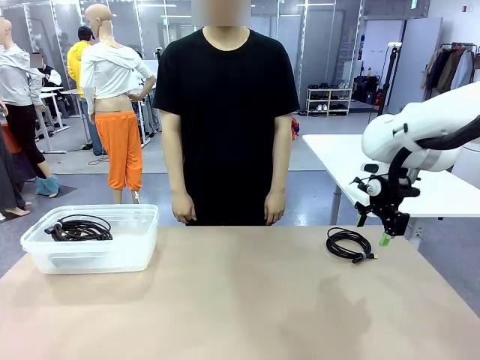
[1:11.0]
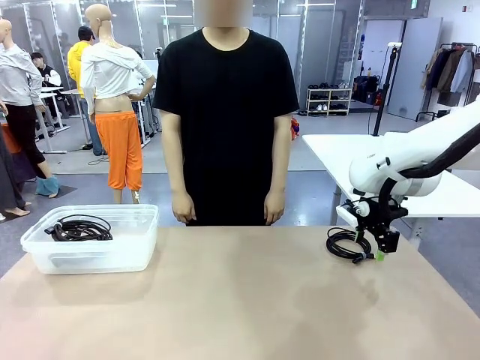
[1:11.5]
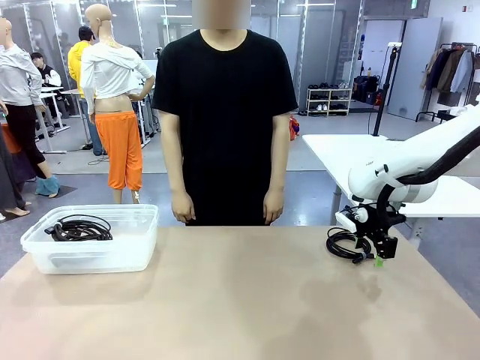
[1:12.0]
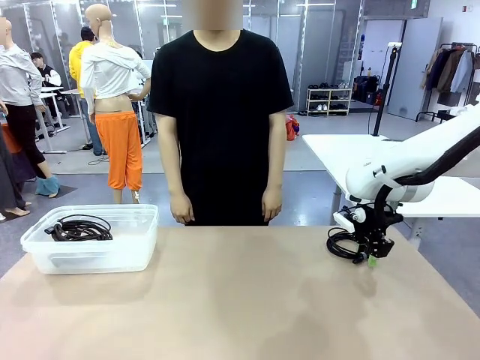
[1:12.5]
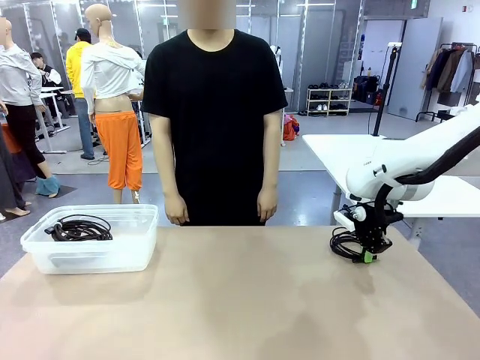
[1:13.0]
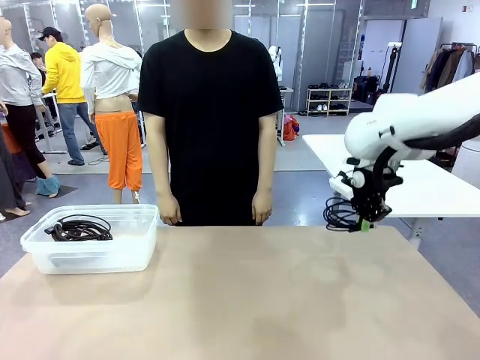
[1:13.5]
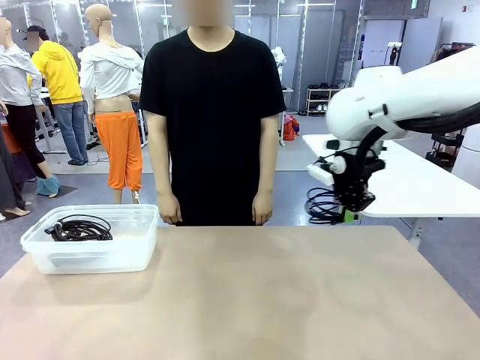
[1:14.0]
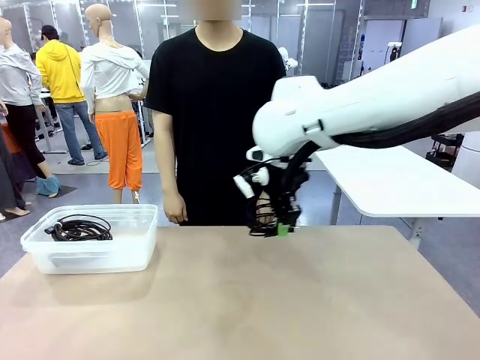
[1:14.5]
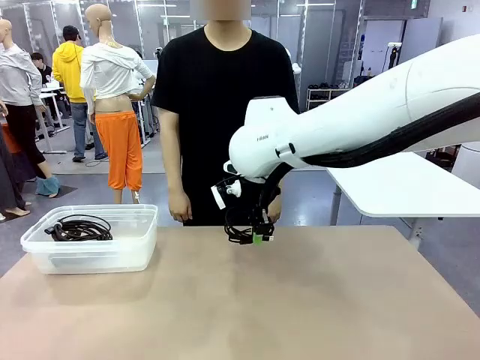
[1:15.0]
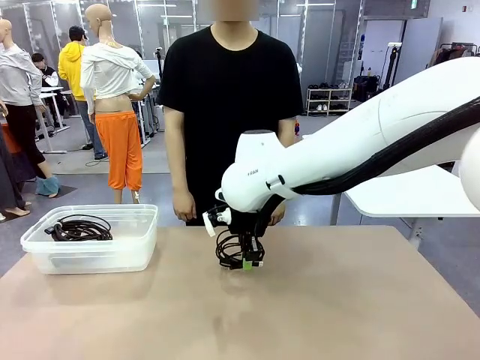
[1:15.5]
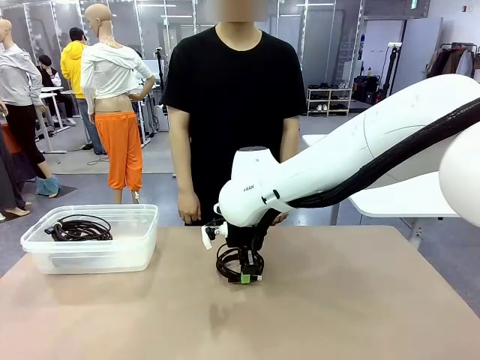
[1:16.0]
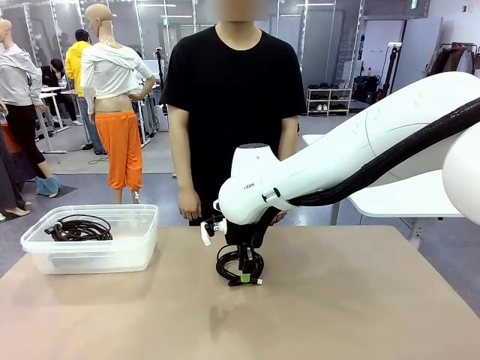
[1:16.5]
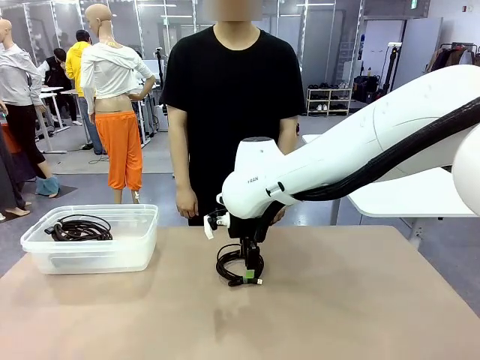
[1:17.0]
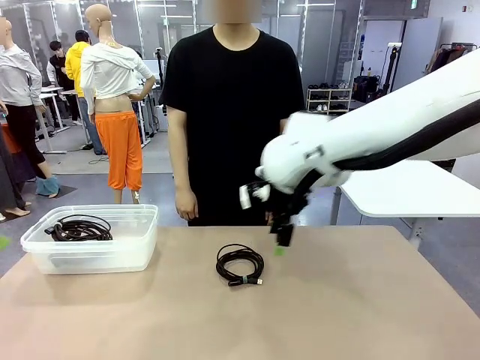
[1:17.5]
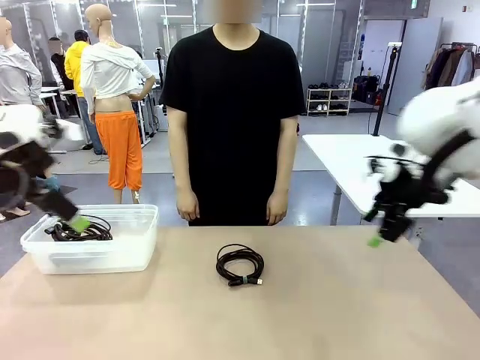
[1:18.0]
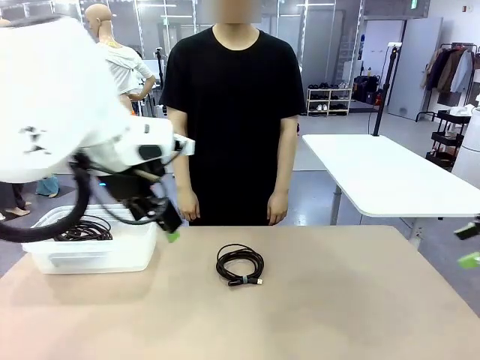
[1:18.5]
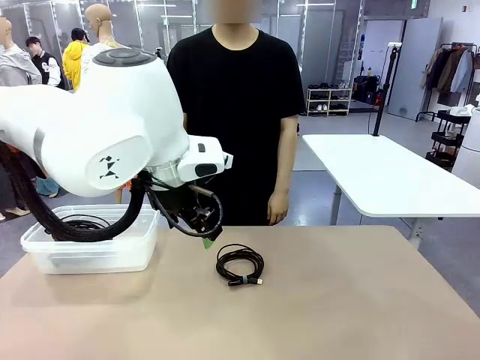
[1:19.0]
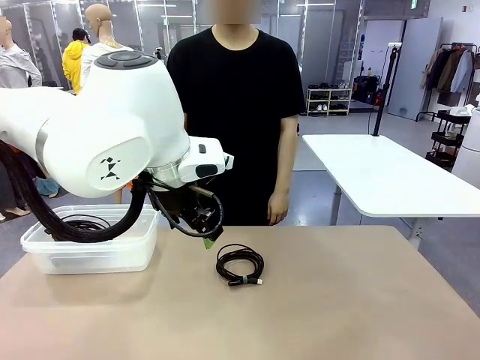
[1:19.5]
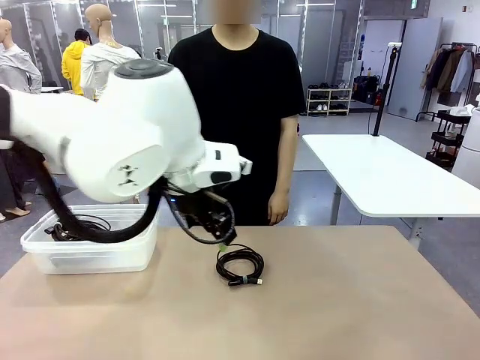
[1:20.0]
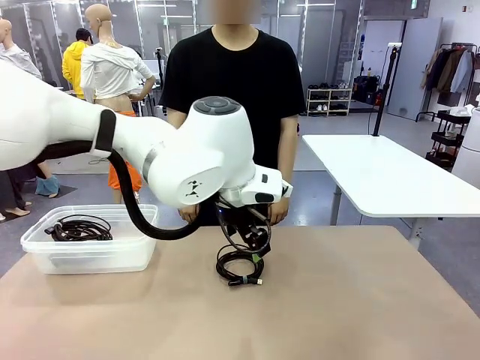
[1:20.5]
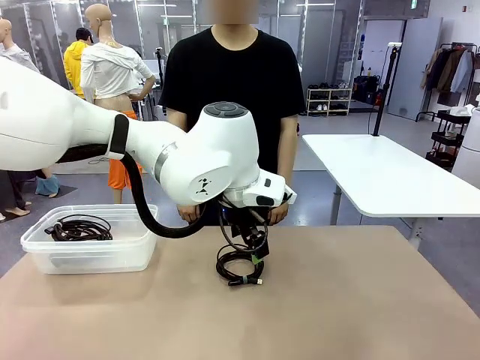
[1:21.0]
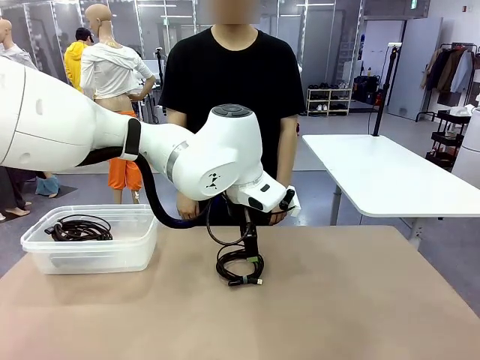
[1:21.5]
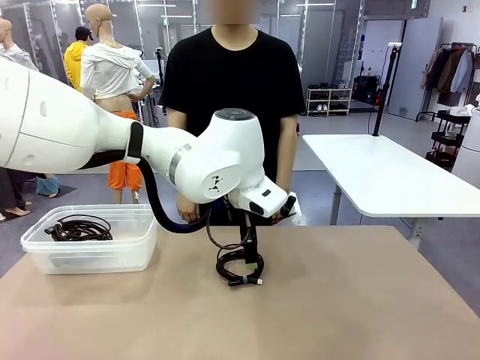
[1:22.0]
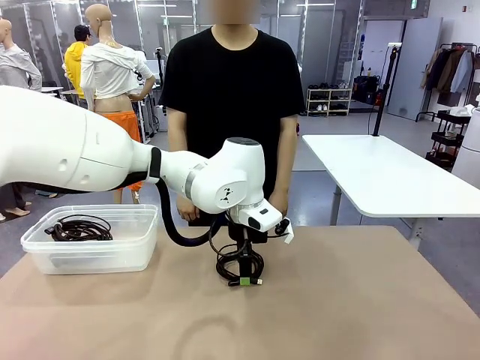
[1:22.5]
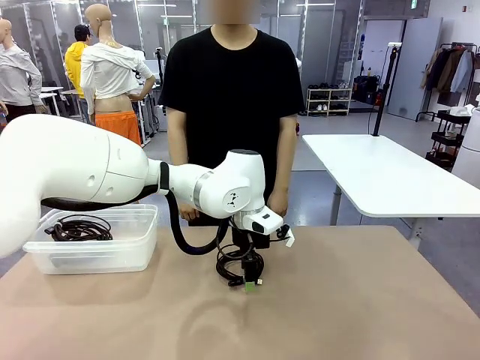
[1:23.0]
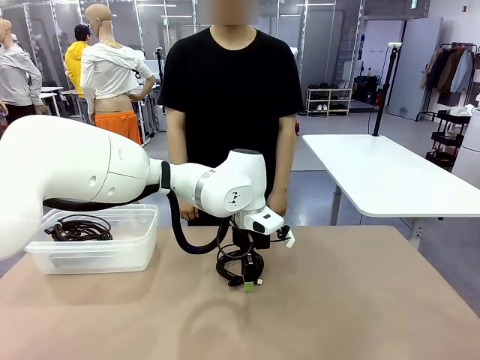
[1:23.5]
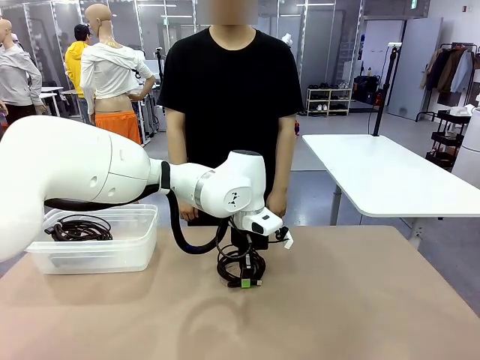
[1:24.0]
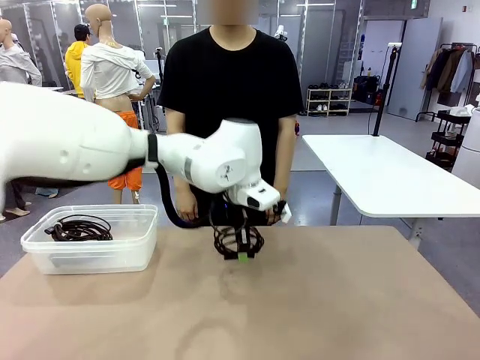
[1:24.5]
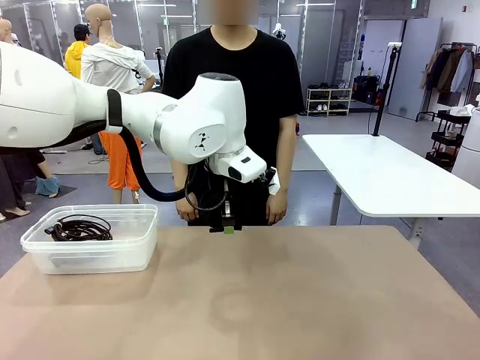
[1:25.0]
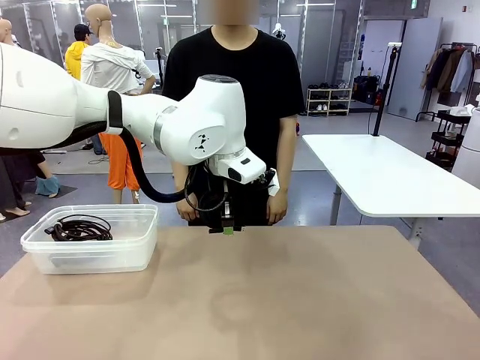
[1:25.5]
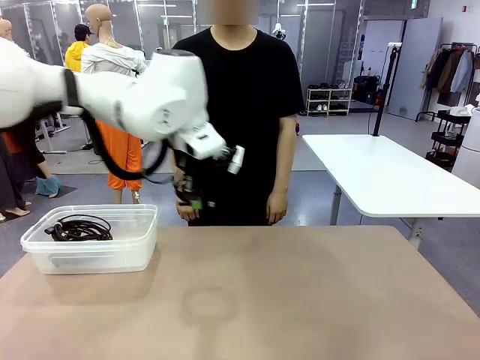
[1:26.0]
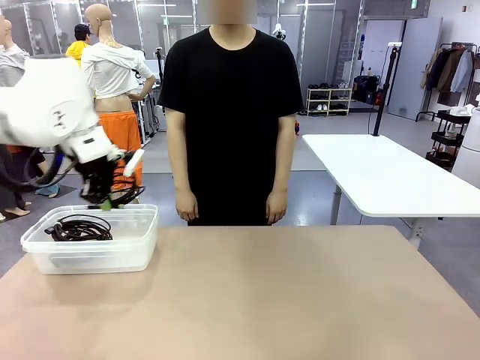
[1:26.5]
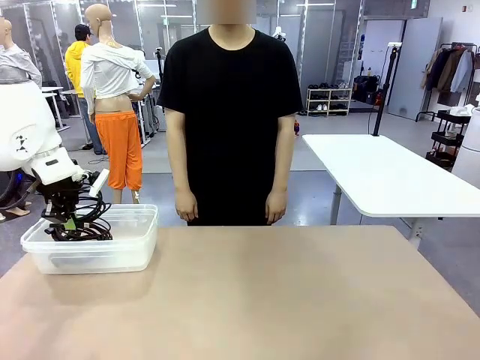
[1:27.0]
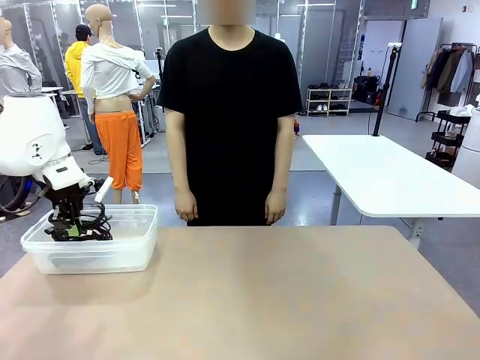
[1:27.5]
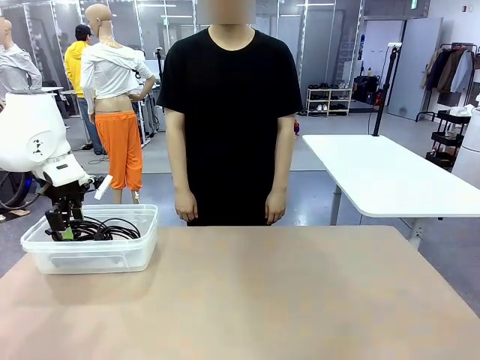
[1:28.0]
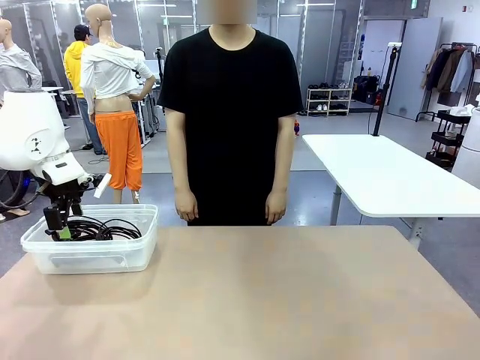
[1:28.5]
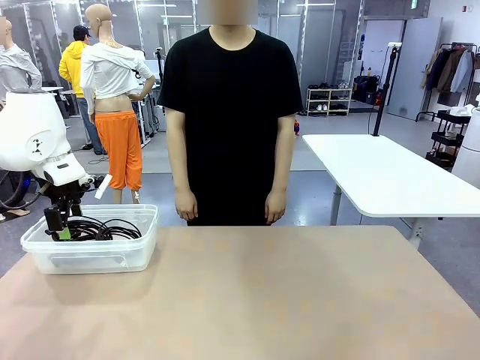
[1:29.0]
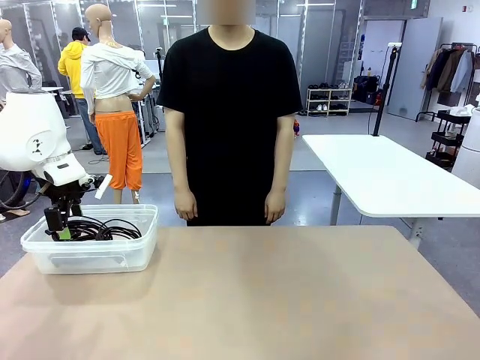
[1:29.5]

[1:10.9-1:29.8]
Task: Organize and store the cables.
Robot: Place the USB Extension Cable into the Organizing box.

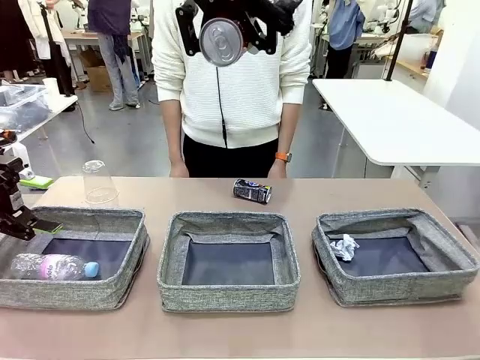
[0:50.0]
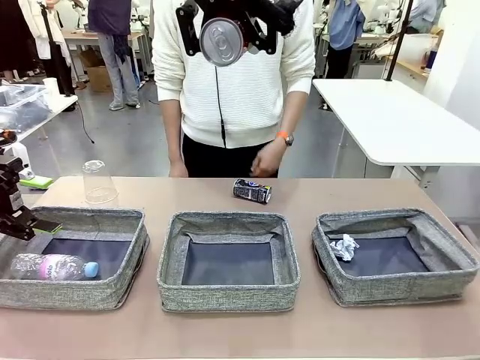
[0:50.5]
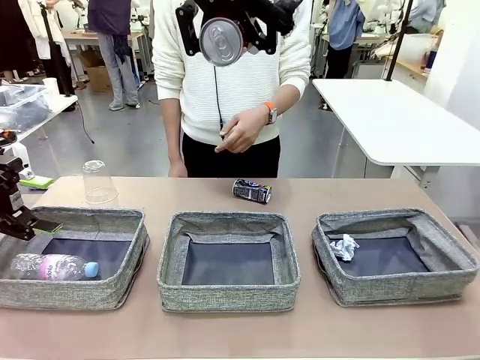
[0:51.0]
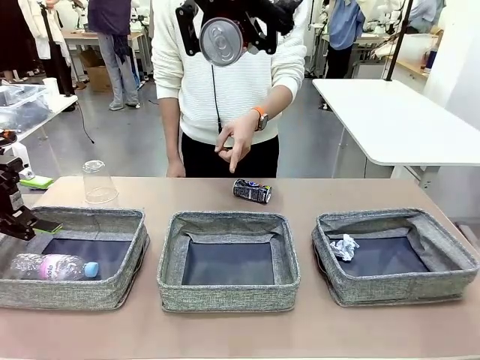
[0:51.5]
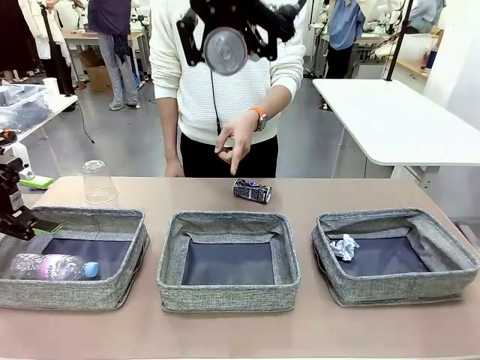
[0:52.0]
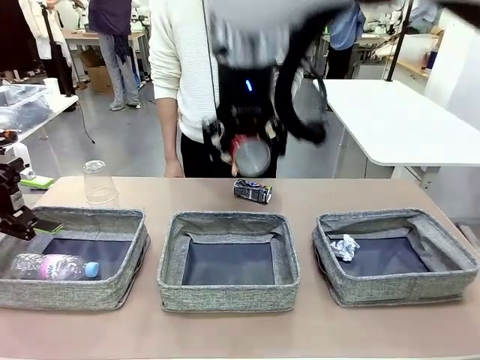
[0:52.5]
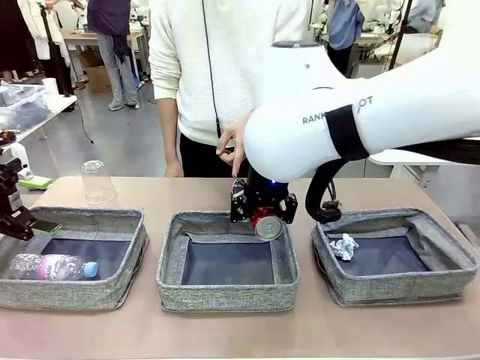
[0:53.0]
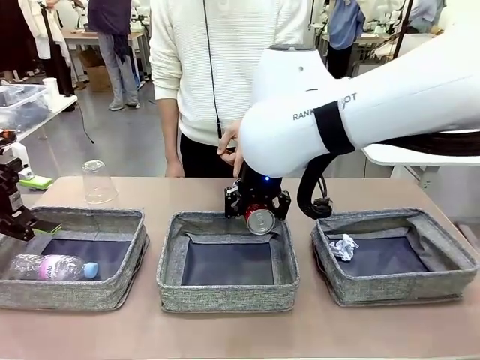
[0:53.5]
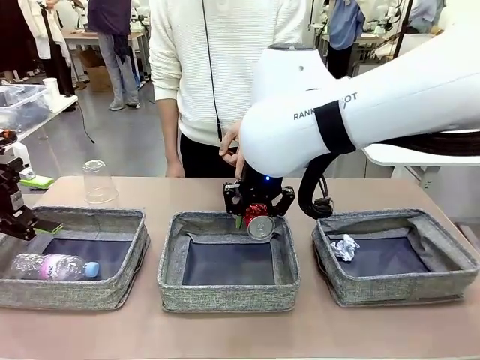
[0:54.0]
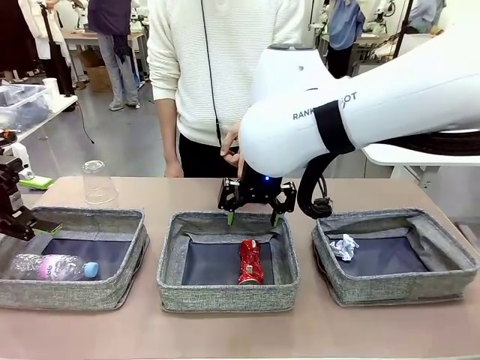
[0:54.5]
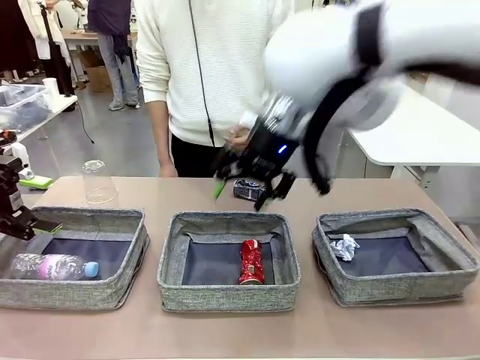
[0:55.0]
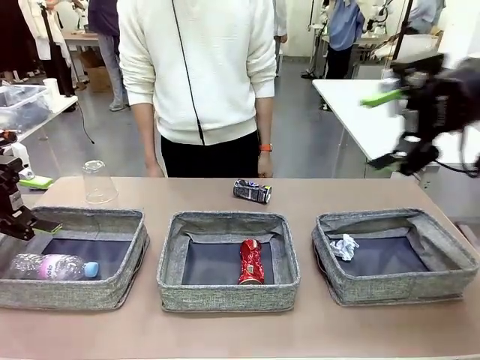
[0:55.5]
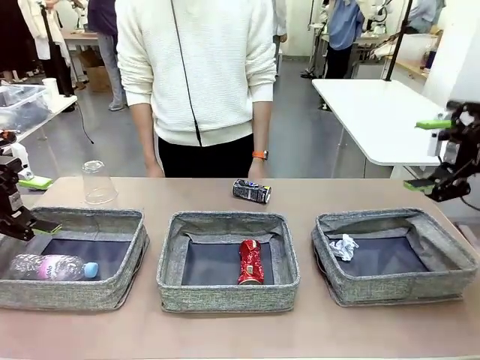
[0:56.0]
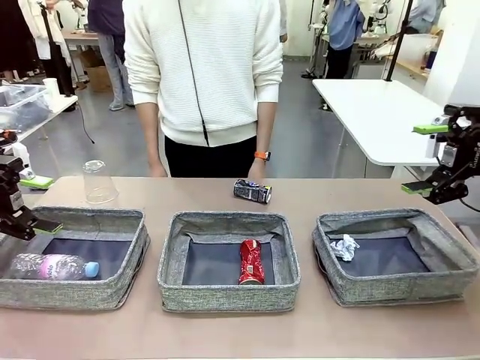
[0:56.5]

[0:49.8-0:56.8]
Task: Sort the waste into the appropriate baskets.
Robot: Place the picked waste into the Fabric basket indicated by the person.
Person: Instructs the robot to place the picked-up trash into the appropriate organizing basket.
